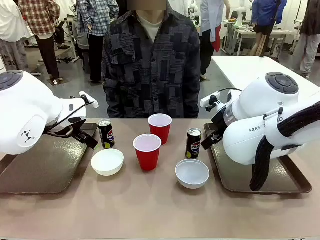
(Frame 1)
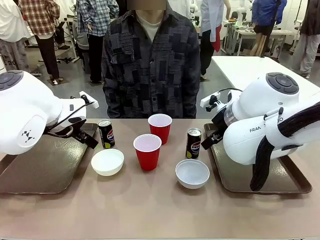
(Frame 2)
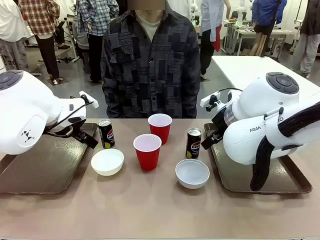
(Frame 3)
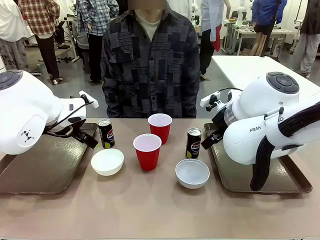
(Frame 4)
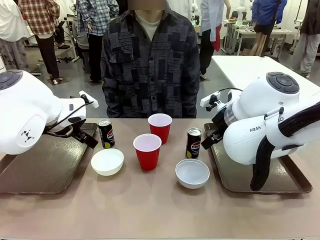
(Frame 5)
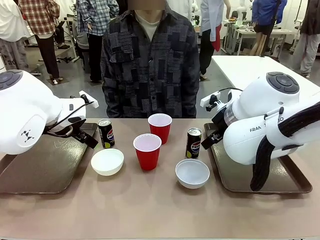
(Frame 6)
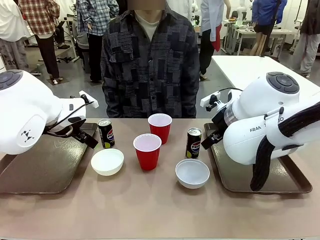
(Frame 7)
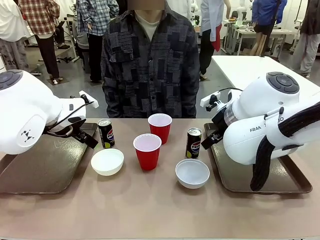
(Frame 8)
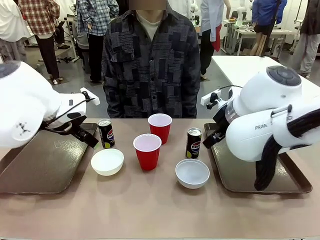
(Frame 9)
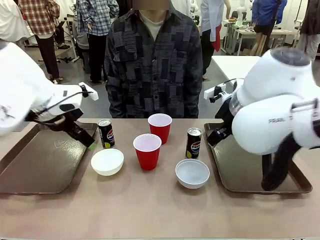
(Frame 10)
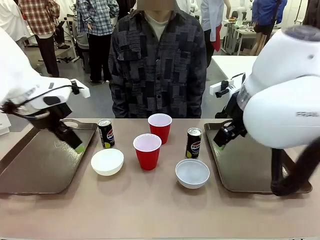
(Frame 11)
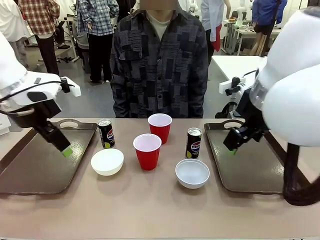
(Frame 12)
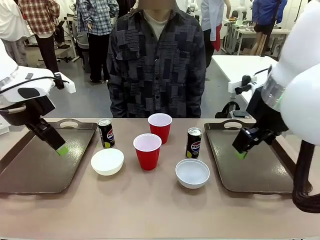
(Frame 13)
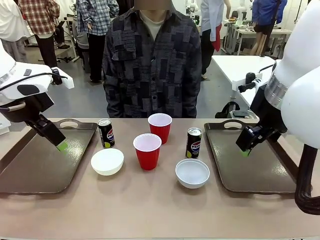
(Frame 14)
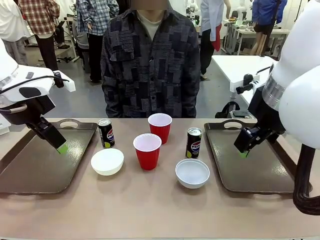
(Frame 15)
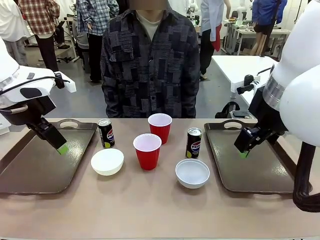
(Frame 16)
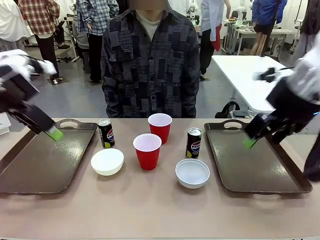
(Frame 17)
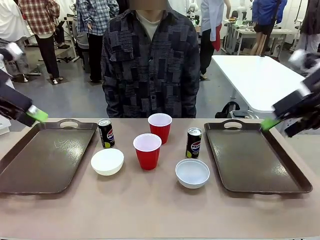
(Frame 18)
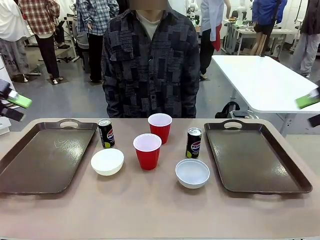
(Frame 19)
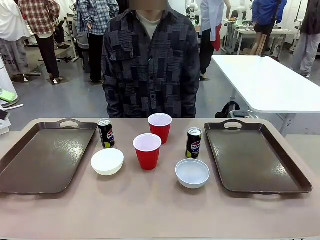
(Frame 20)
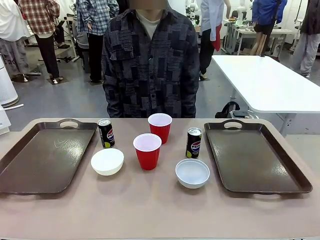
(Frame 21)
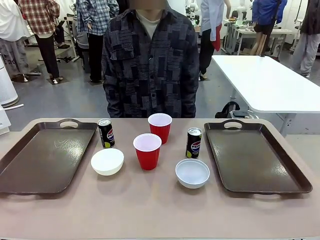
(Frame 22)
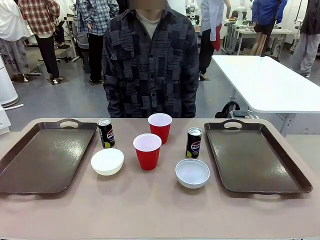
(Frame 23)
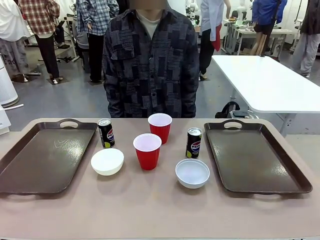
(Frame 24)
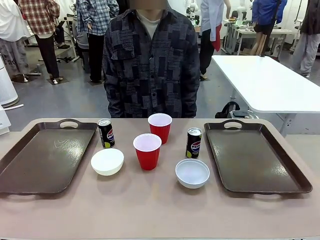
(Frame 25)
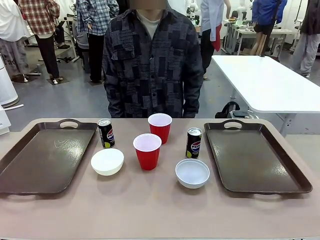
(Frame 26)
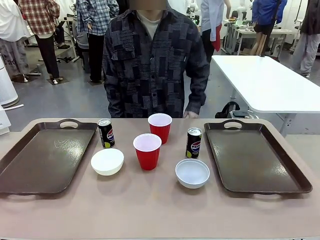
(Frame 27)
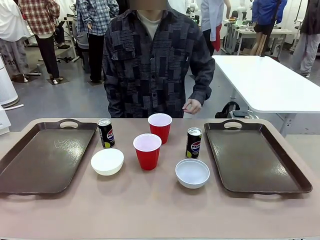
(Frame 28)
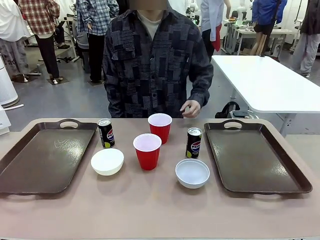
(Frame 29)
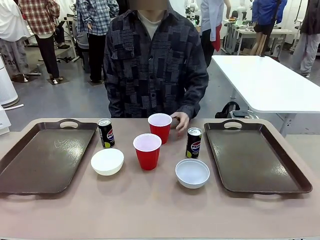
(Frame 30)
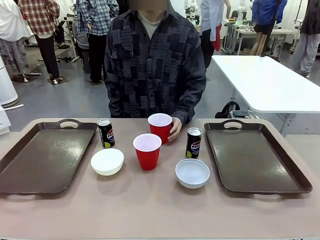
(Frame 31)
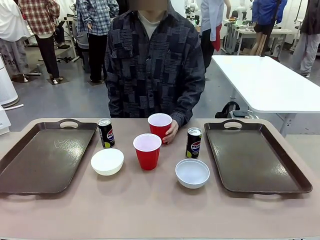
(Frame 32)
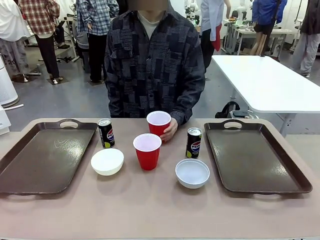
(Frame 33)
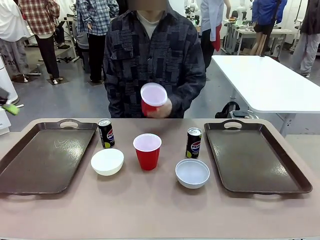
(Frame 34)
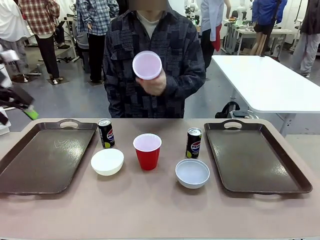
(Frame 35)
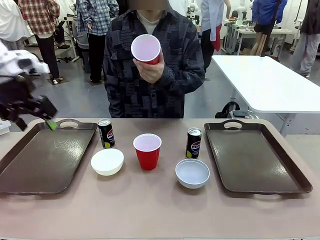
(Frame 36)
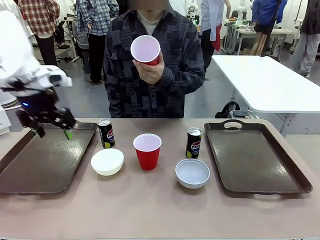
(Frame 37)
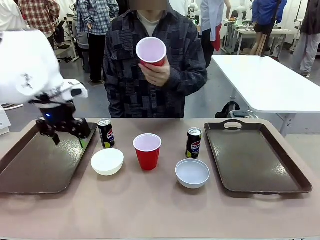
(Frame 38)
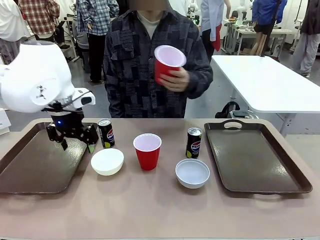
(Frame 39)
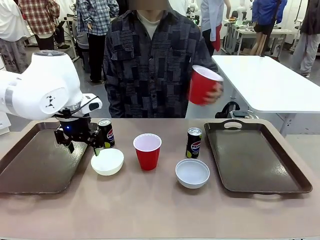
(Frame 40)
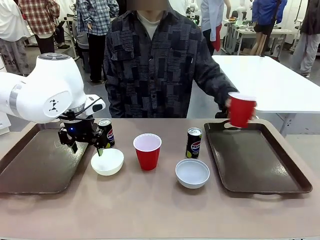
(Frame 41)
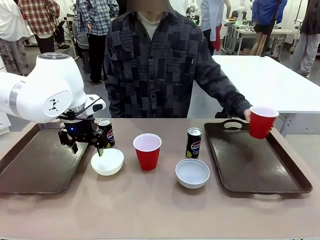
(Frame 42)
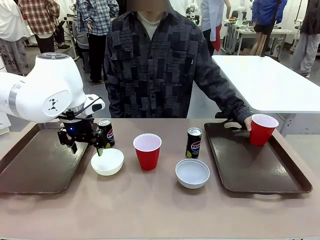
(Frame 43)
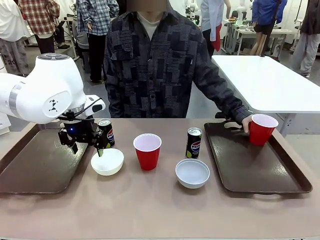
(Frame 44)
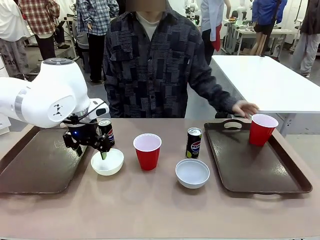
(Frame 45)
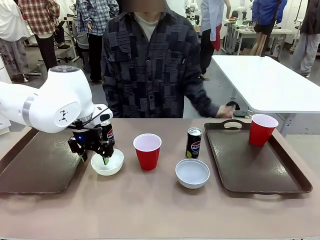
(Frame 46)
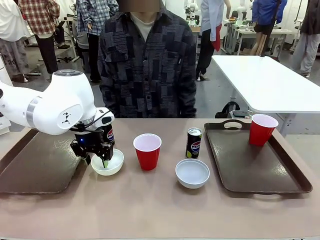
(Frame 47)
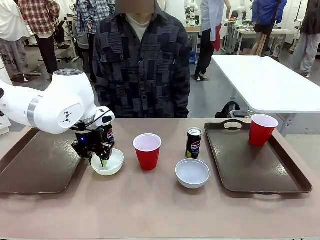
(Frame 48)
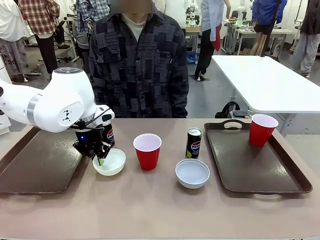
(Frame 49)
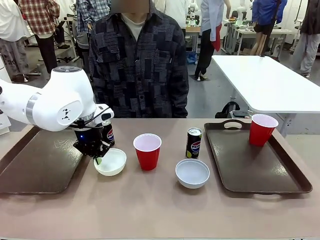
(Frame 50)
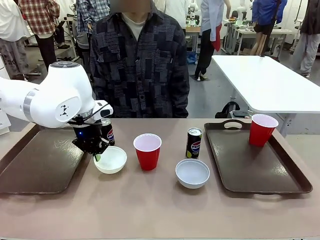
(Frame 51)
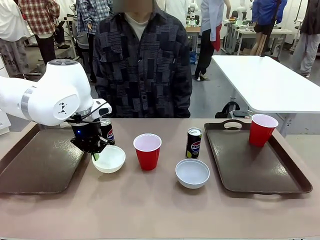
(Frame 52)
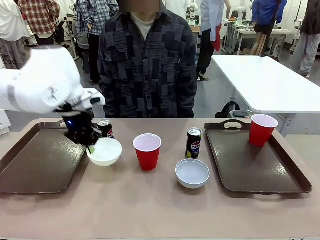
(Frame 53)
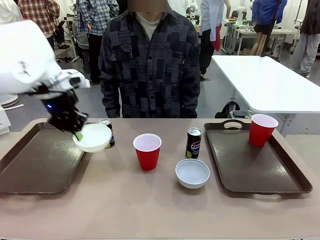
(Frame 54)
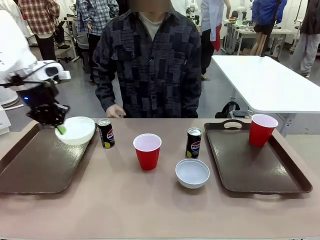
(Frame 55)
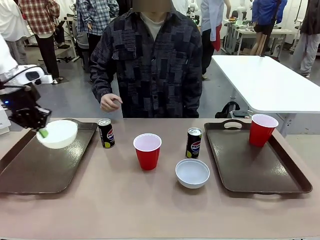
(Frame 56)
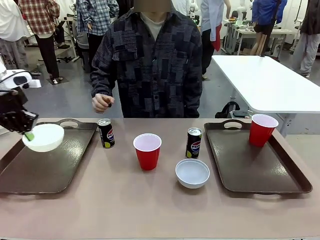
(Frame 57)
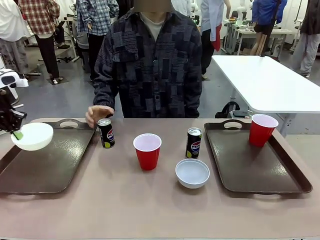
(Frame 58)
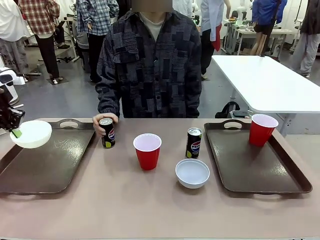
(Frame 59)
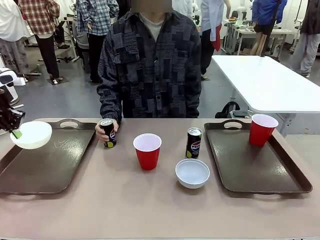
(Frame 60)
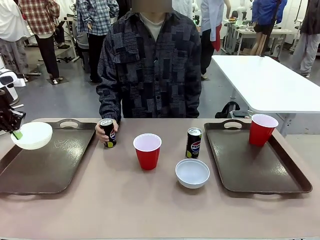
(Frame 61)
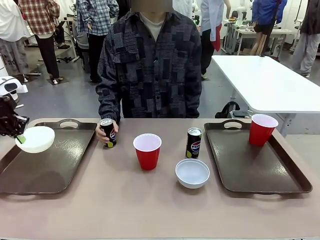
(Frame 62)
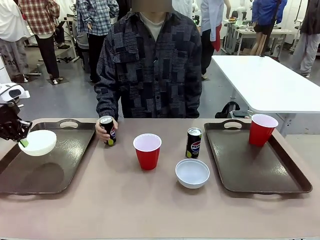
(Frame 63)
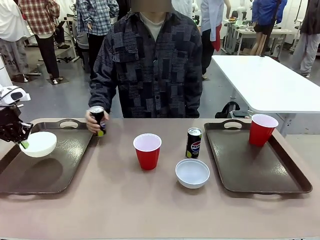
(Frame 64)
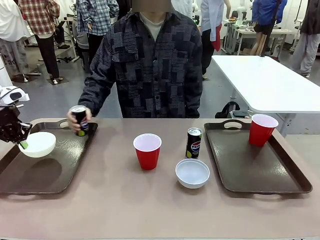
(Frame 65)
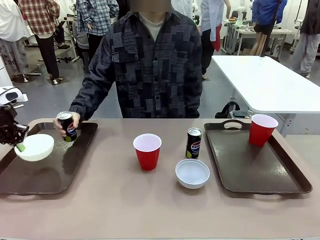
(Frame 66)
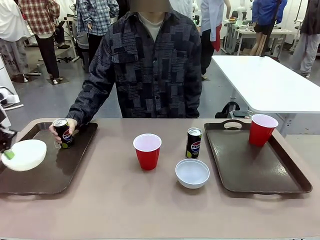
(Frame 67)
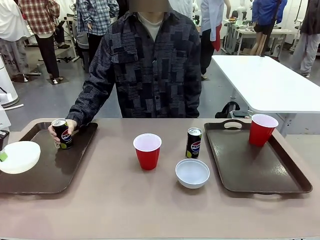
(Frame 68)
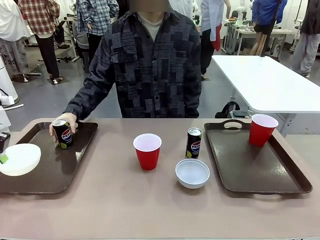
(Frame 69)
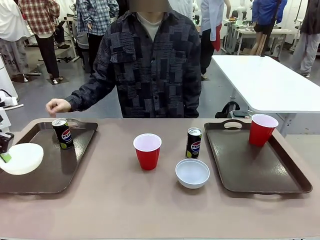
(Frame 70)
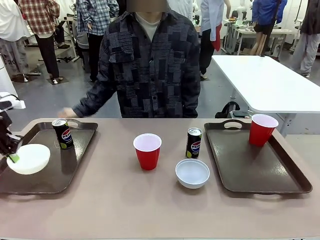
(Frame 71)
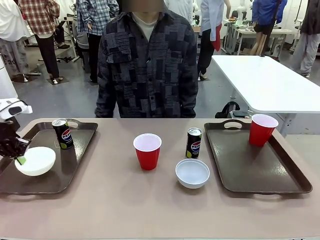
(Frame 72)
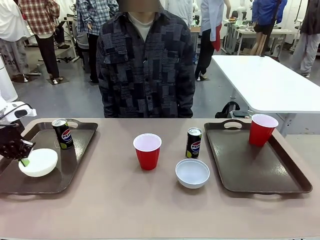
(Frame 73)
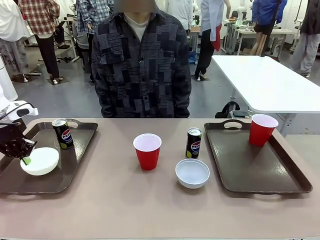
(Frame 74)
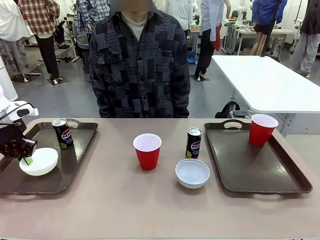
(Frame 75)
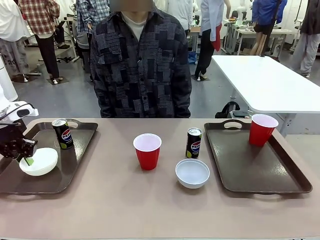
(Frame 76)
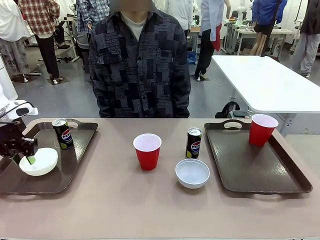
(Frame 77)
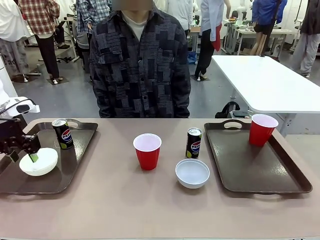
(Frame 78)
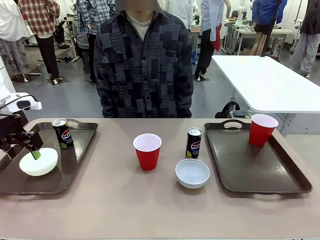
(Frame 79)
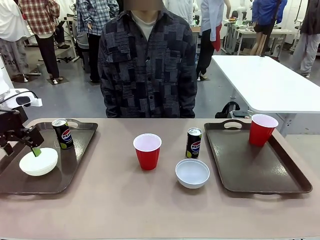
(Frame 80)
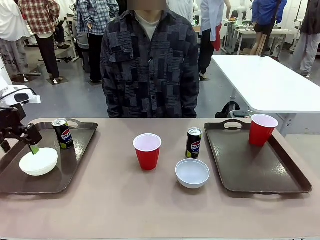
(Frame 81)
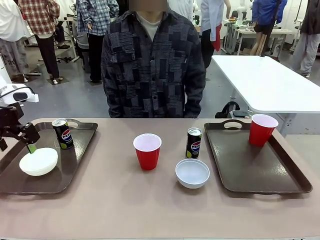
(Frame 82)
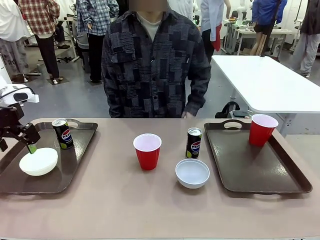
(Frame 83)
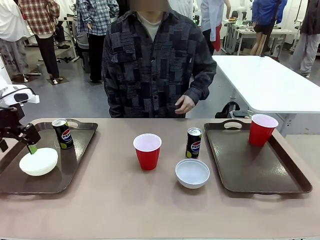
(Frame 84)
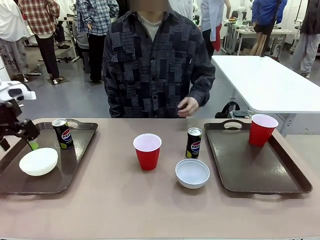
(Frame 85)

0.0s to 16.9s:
Task: Prepare tableware on both trays.
Robot: Pick up a Picnic Bowl from the table and place it on a Handle tray.
Person: Pick up a can or cup and place it on the tray.
